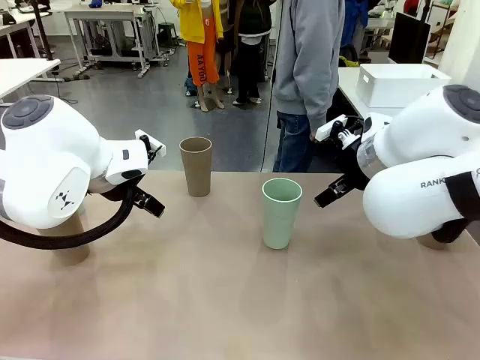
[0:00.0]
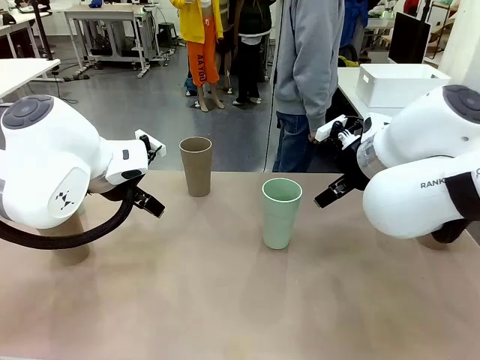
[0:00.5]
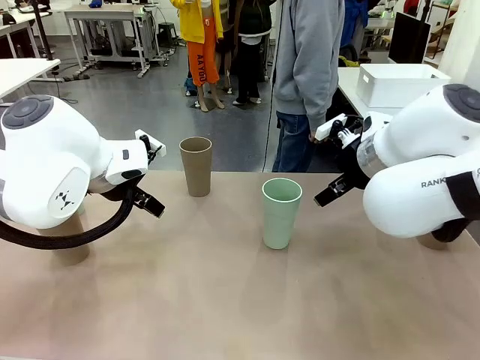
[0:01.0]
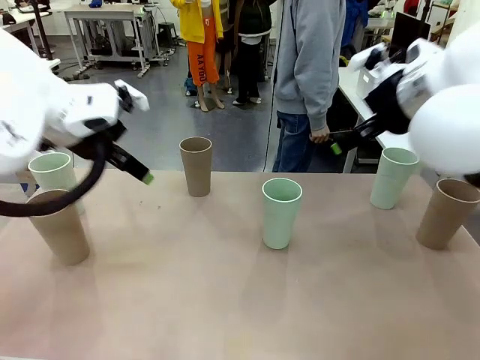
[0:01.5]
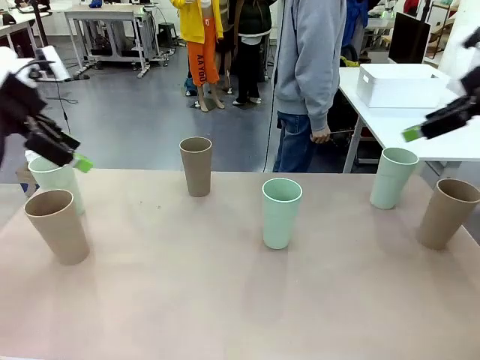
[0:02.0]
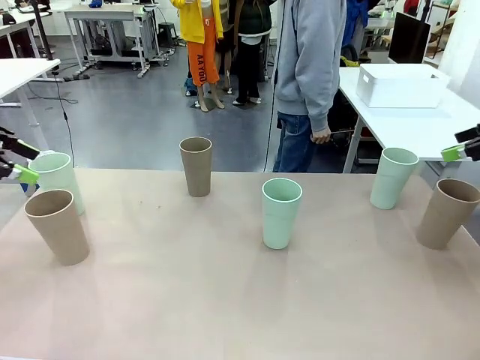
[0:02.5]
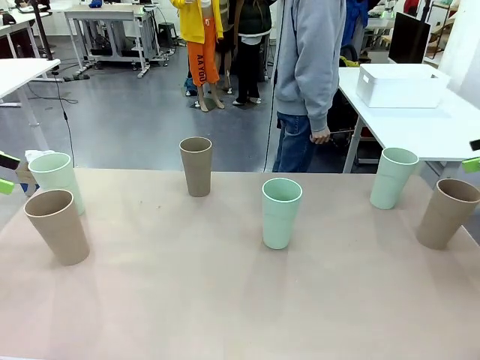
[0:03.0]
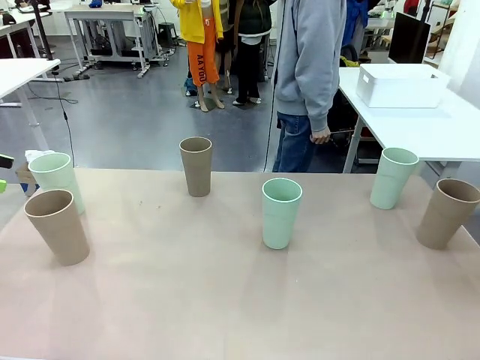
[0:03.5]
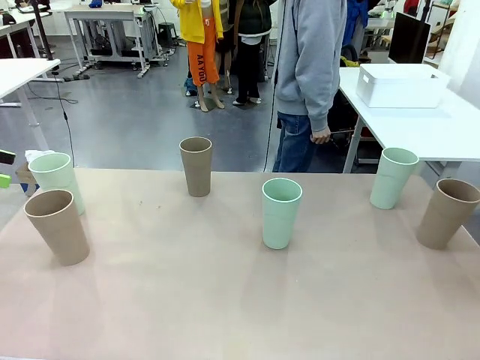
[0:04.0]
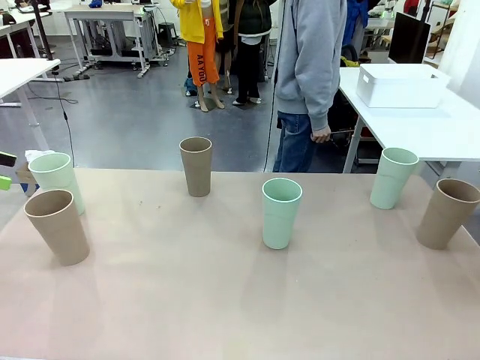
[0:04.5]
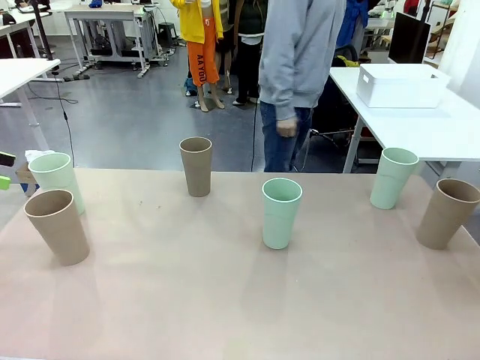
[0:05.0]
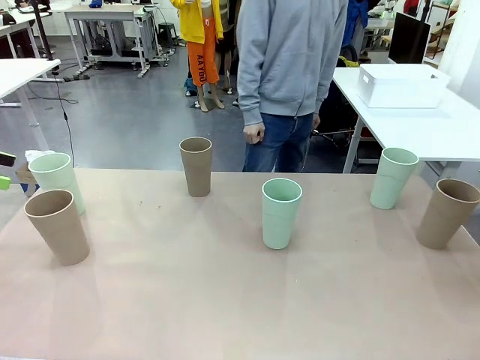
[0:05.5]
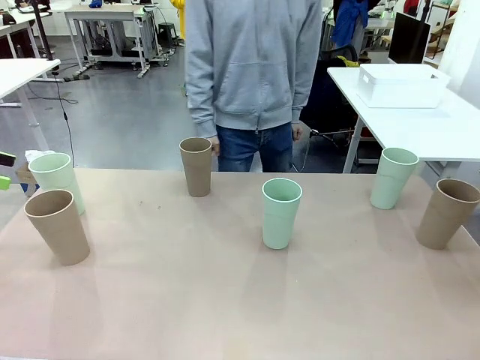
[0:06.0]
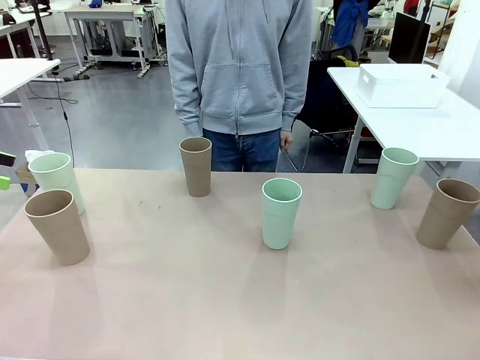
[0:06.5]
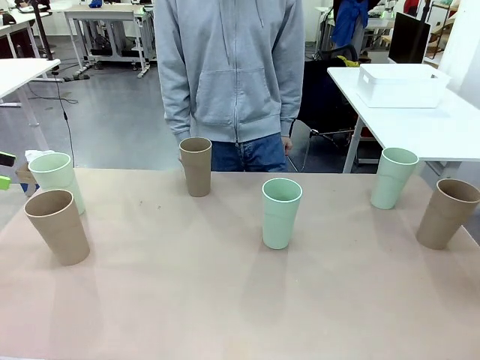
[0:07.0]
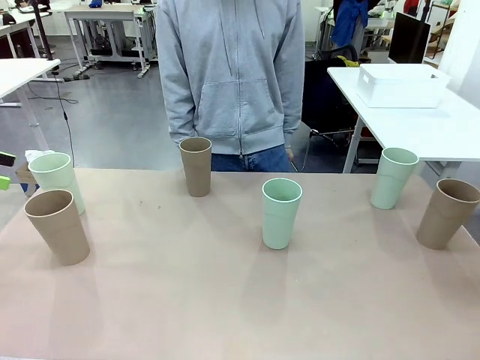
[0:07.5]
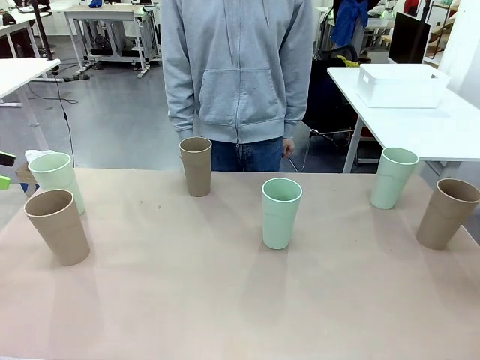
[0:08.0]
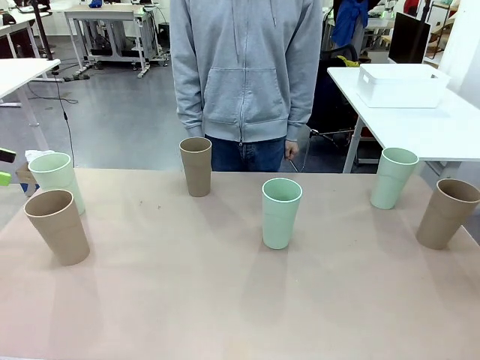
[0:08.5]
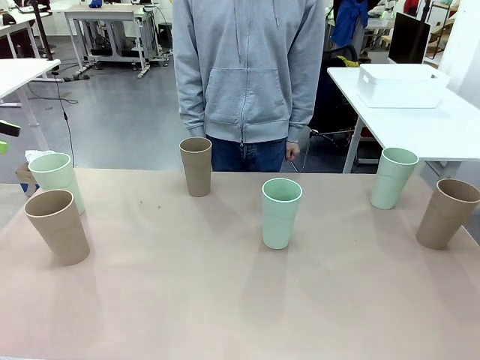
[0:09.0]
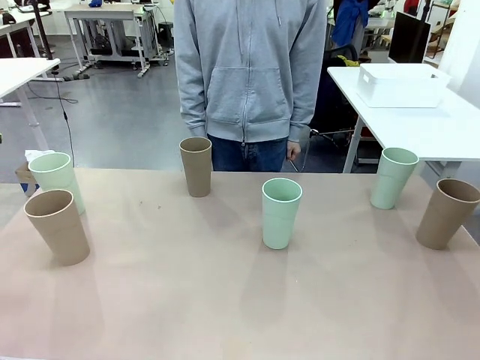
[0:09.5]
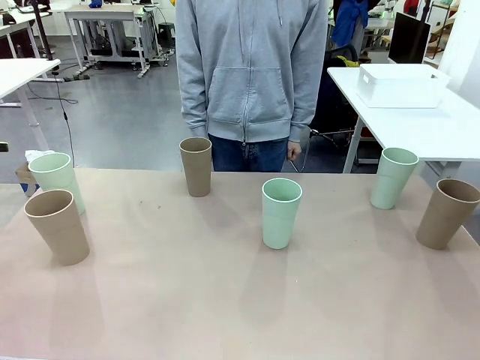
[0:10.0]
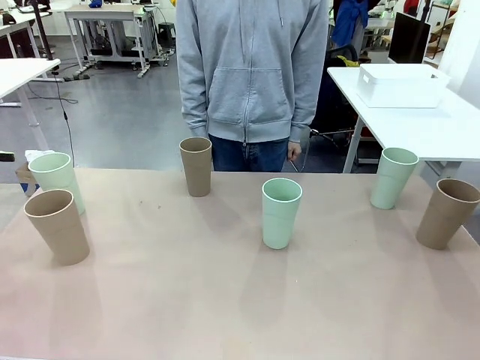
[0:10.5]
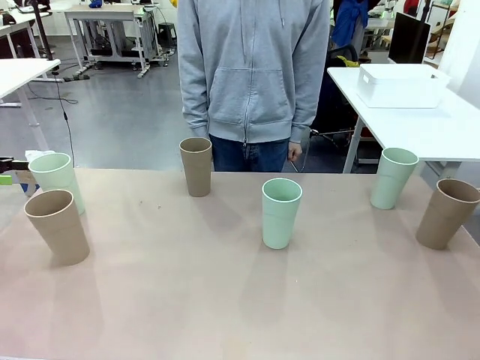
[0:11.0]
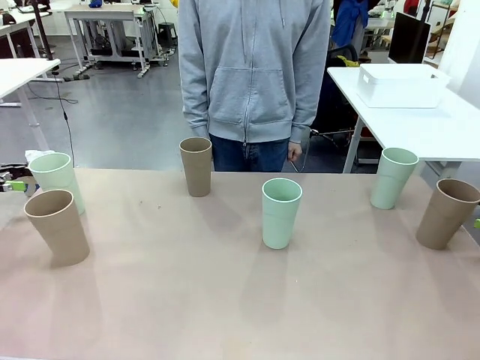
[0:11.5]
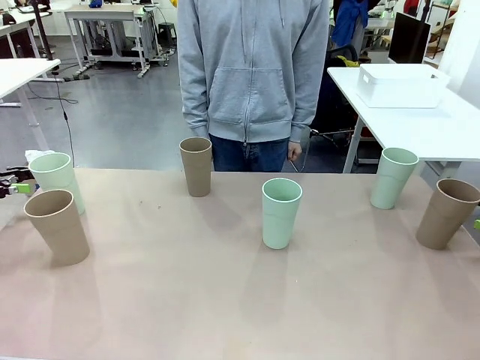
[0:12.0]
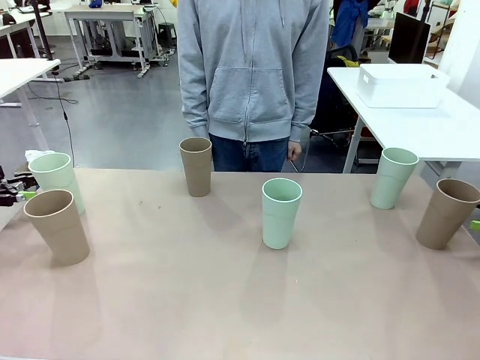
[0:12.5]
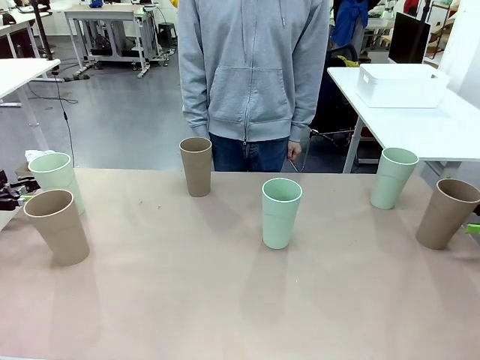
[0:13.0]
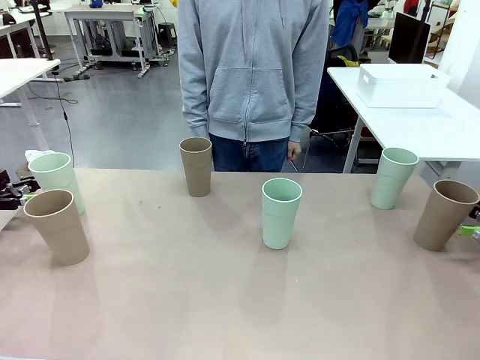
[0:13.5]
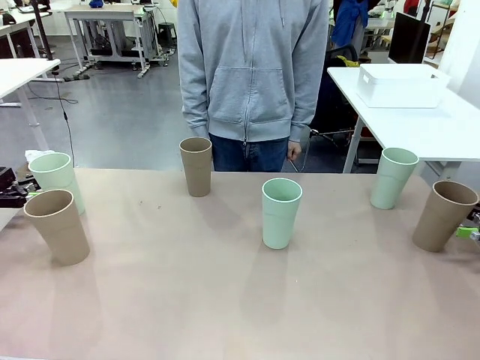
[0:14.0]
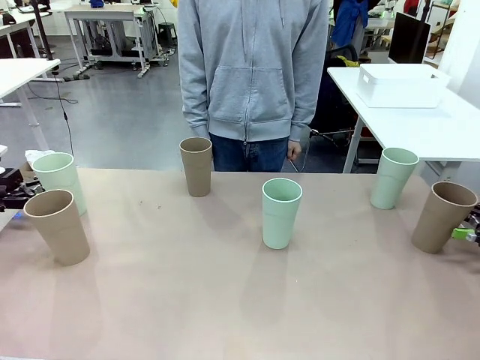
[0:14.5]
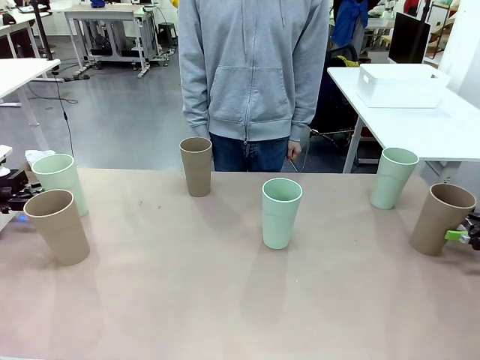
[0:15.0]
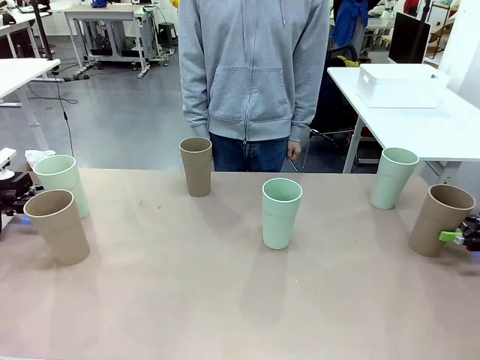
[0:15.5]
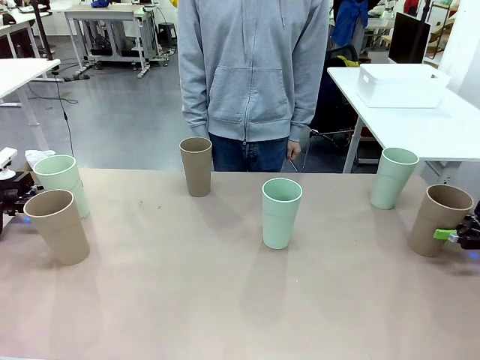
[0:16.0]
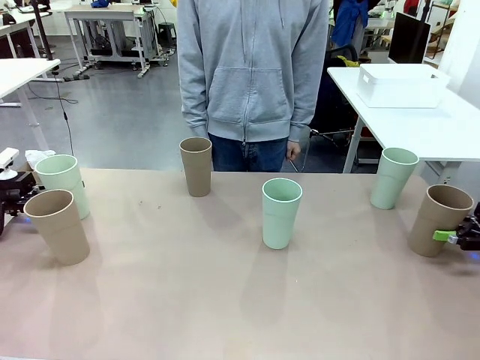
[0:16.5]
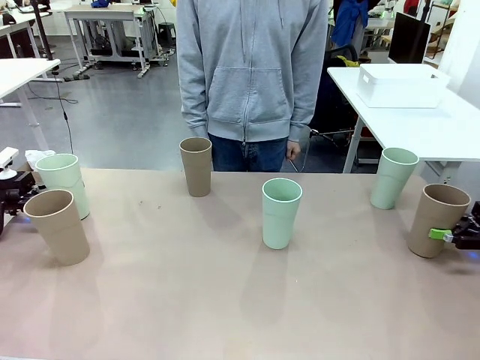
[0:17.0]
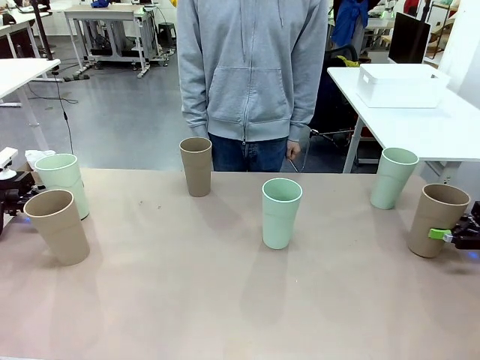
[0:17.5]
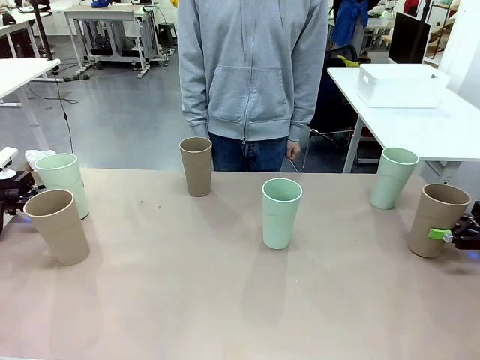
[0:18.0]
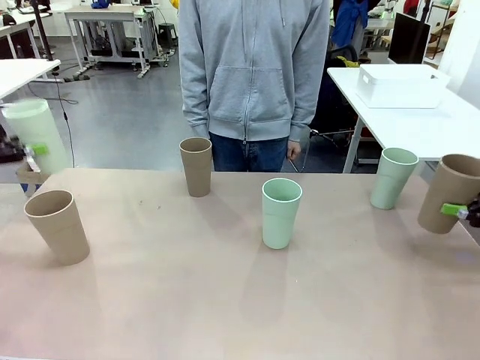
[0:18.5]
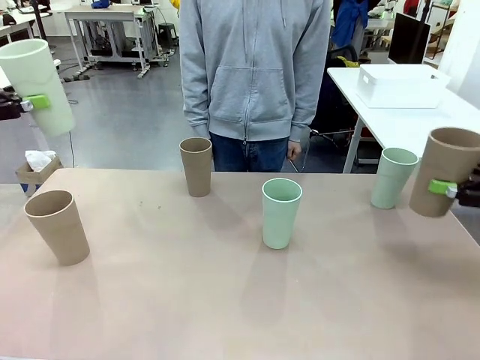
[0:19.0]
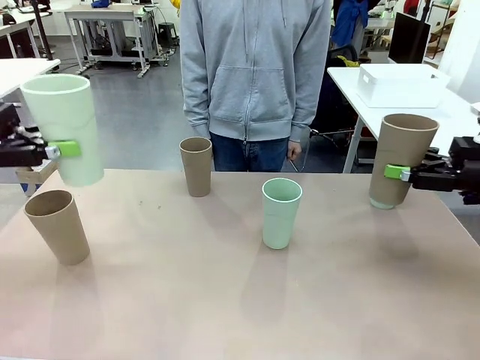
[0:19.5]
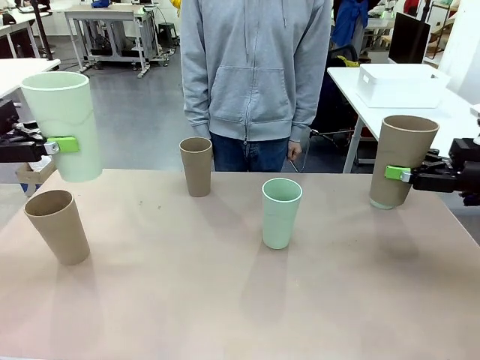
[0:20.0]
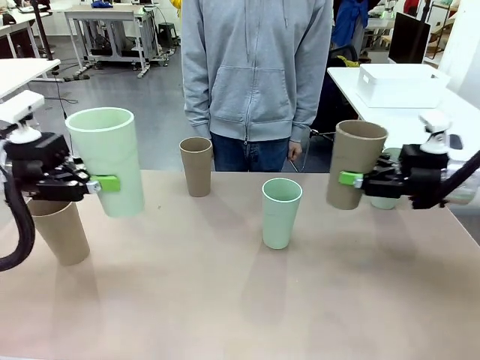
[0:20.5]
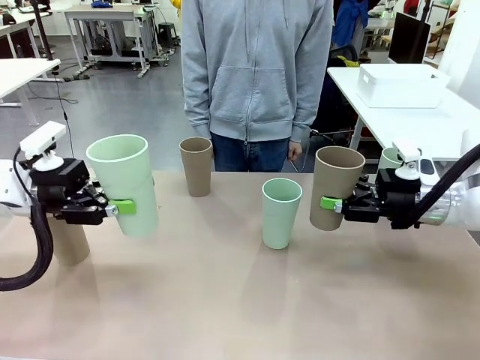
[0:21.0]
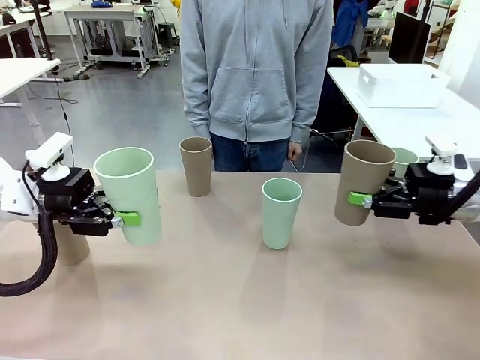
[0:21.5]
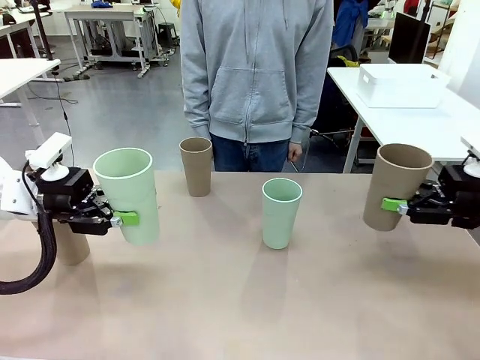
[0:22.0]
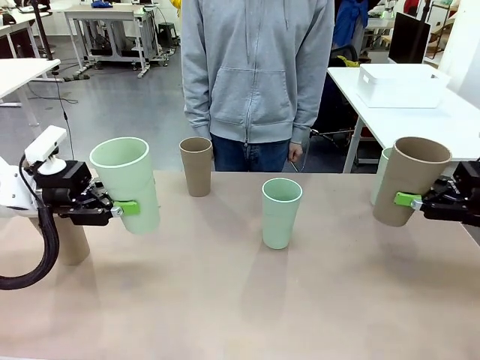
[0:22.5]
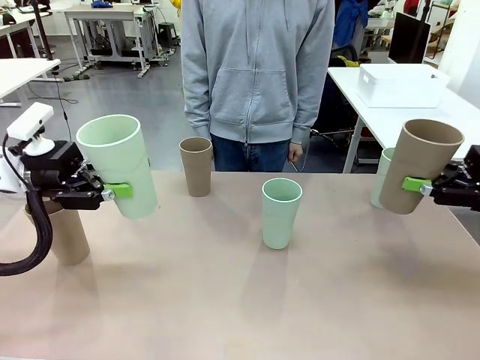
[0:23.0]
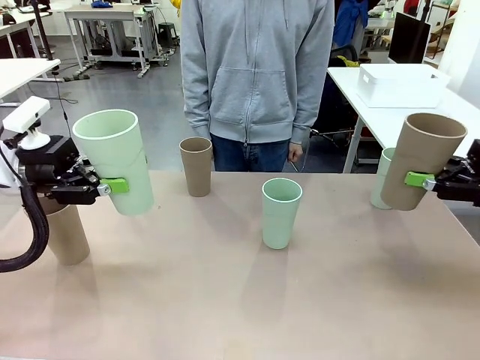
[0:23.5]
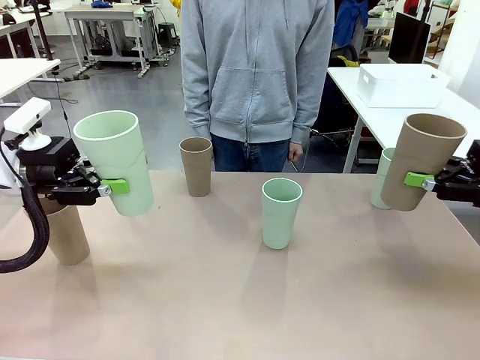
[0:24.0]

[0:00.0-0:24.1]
Task: Stack the cups and store them in the basket.
Robot: Pick up two Reusable plastic cups , one in each hand.
Person: Move from the Human Table to the front of the Robot Table. Stack two of the remaining cups on top of each cup held by the robot.
